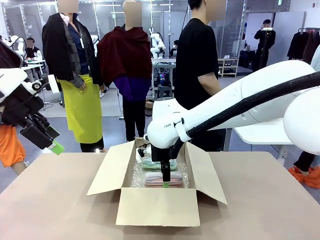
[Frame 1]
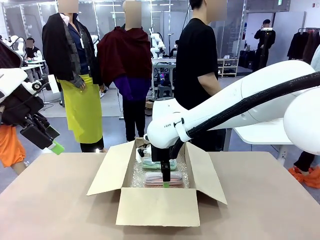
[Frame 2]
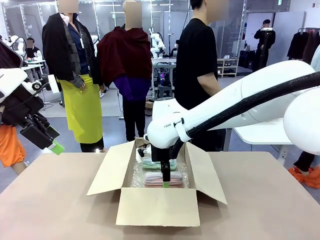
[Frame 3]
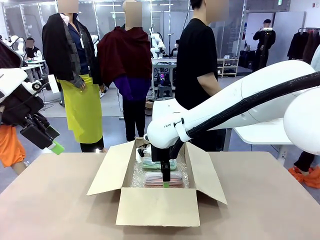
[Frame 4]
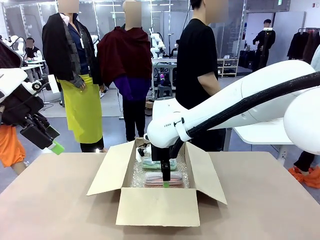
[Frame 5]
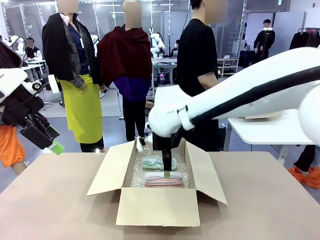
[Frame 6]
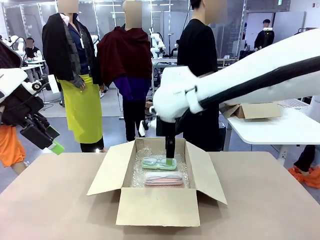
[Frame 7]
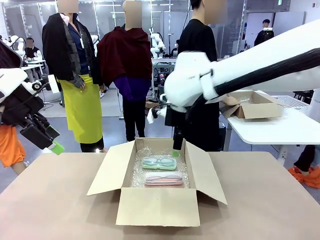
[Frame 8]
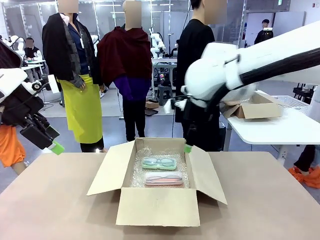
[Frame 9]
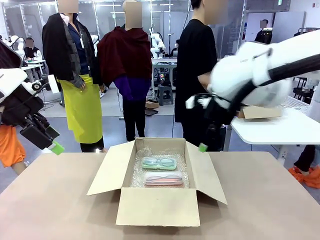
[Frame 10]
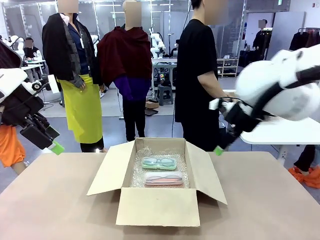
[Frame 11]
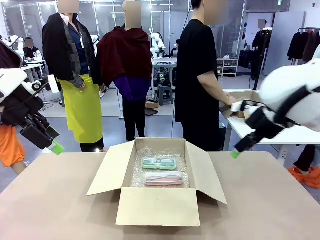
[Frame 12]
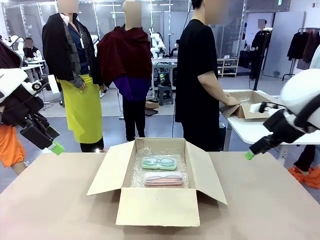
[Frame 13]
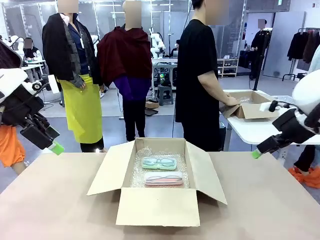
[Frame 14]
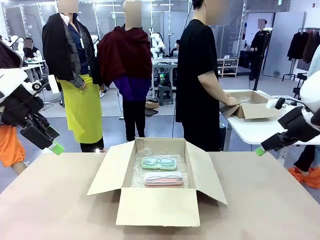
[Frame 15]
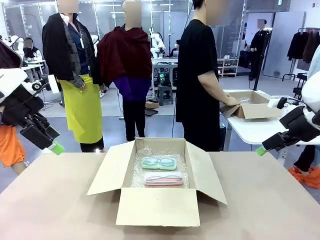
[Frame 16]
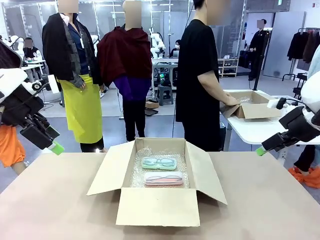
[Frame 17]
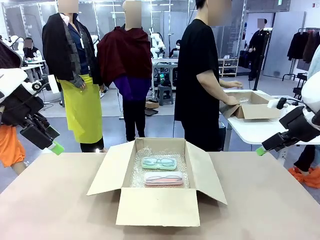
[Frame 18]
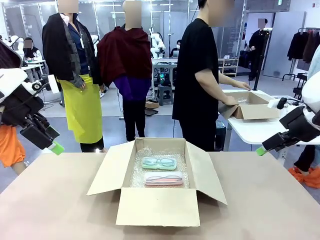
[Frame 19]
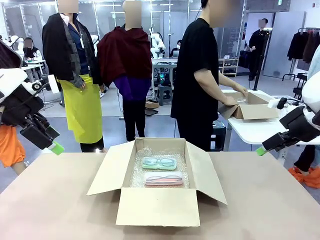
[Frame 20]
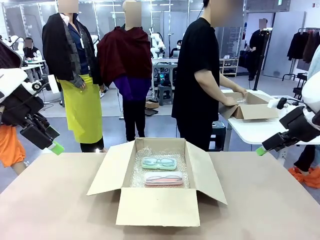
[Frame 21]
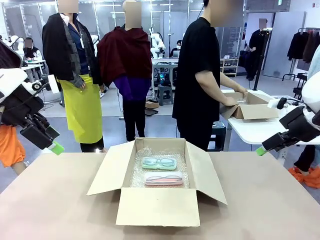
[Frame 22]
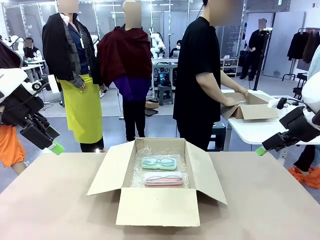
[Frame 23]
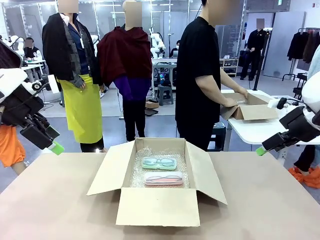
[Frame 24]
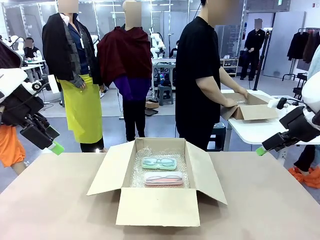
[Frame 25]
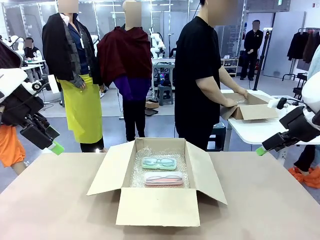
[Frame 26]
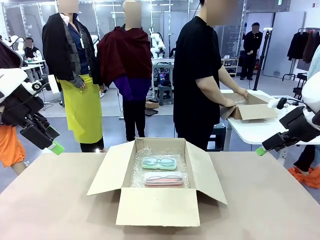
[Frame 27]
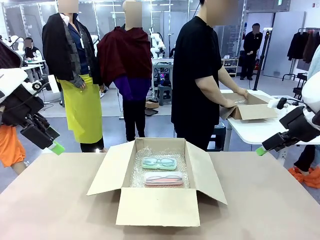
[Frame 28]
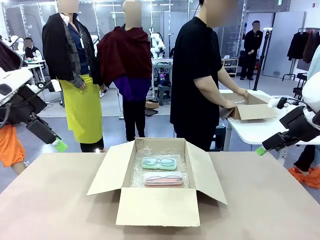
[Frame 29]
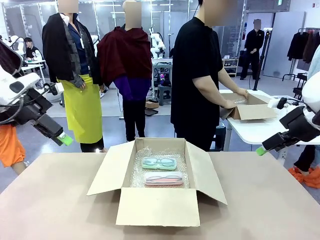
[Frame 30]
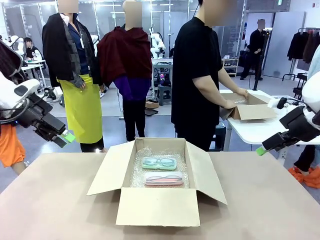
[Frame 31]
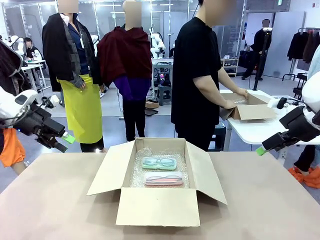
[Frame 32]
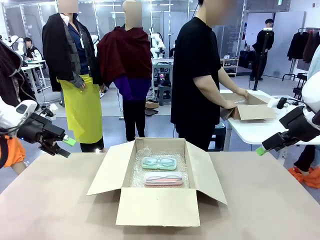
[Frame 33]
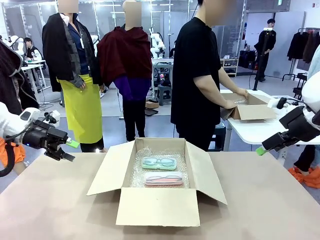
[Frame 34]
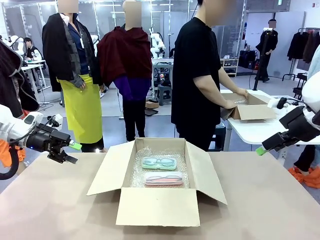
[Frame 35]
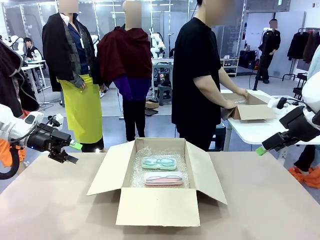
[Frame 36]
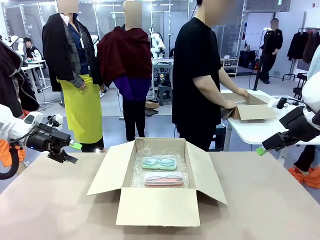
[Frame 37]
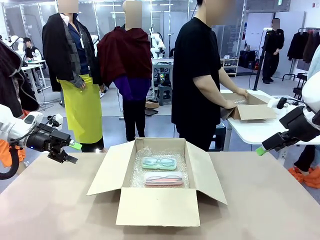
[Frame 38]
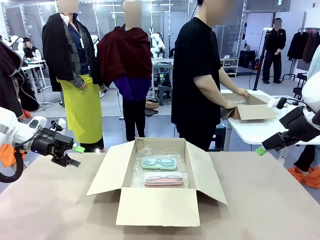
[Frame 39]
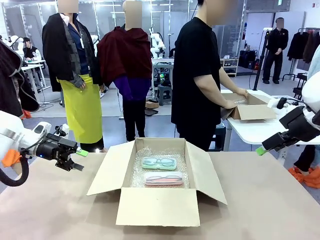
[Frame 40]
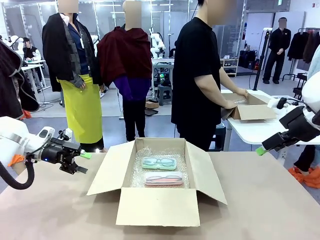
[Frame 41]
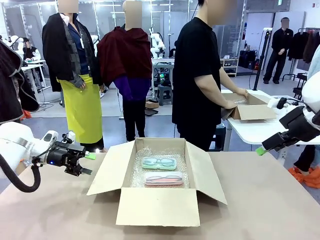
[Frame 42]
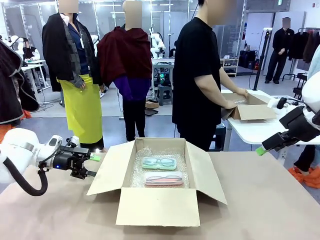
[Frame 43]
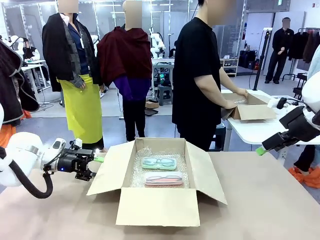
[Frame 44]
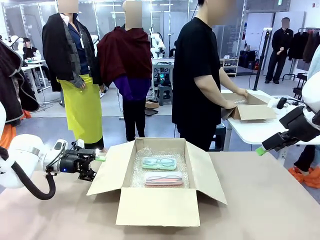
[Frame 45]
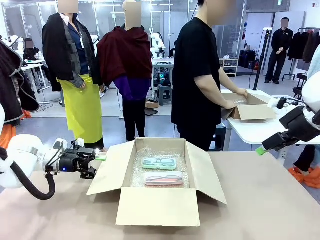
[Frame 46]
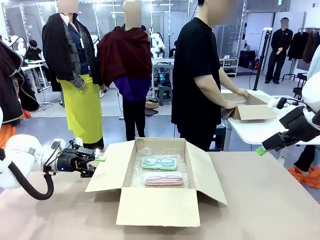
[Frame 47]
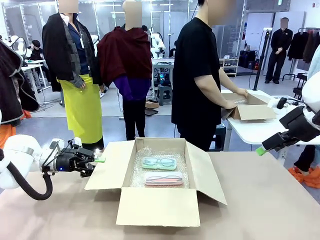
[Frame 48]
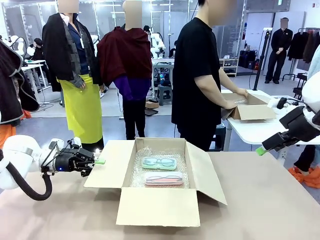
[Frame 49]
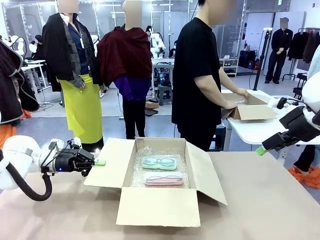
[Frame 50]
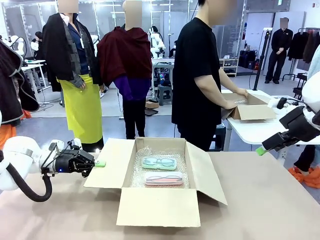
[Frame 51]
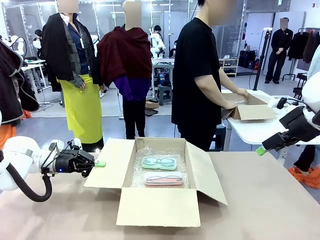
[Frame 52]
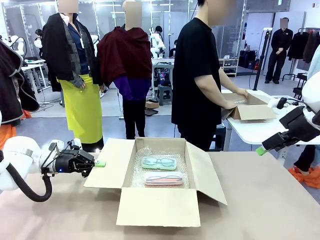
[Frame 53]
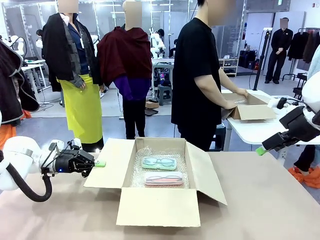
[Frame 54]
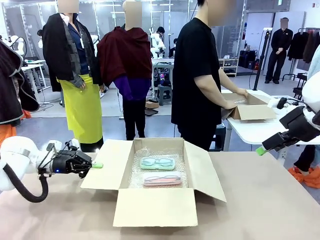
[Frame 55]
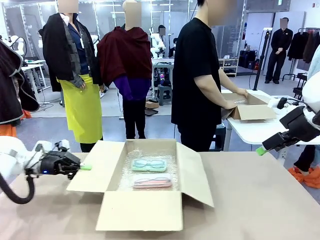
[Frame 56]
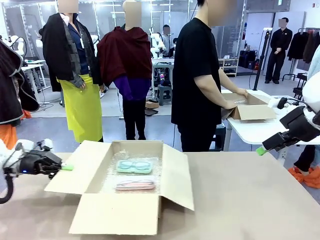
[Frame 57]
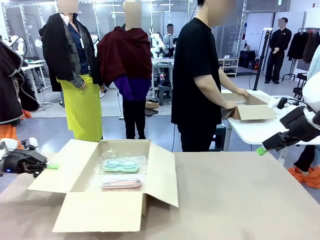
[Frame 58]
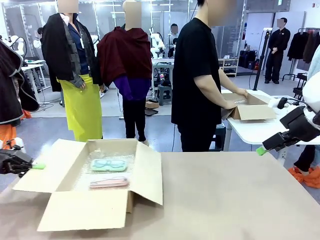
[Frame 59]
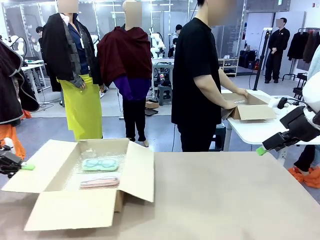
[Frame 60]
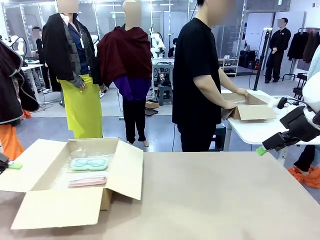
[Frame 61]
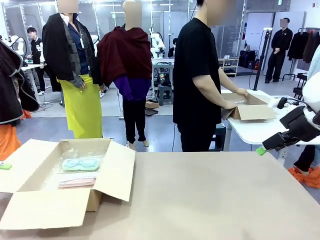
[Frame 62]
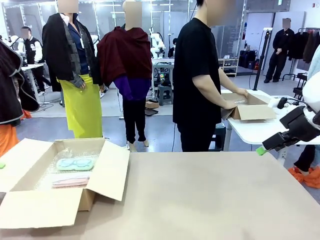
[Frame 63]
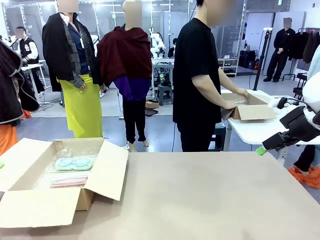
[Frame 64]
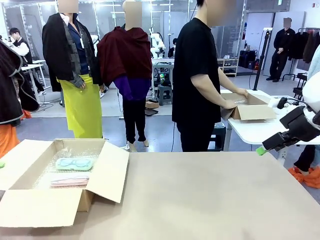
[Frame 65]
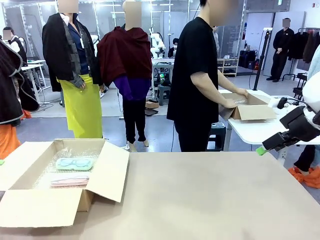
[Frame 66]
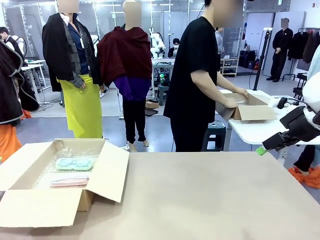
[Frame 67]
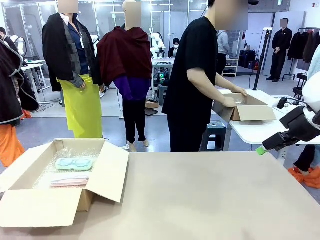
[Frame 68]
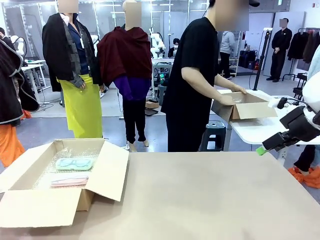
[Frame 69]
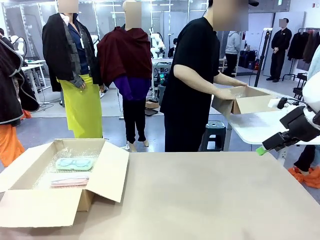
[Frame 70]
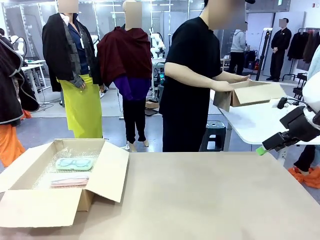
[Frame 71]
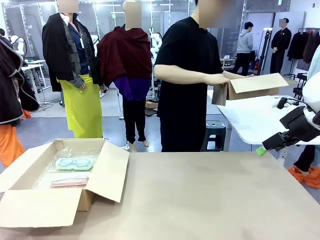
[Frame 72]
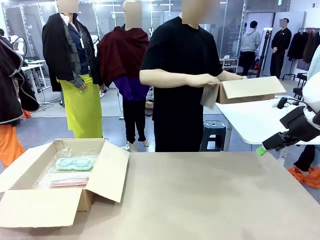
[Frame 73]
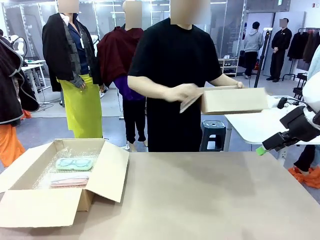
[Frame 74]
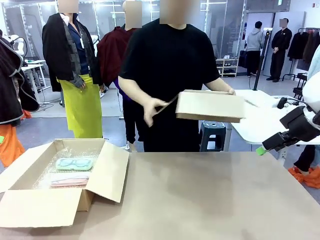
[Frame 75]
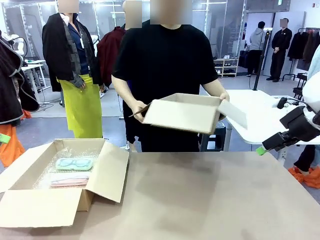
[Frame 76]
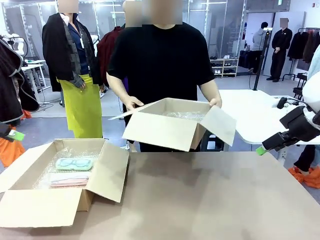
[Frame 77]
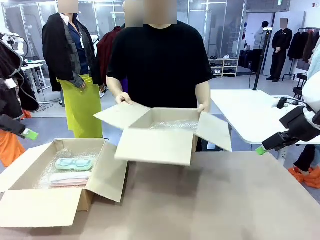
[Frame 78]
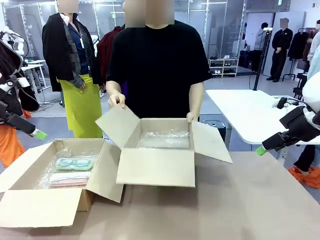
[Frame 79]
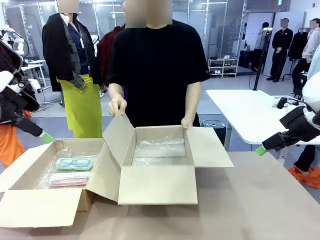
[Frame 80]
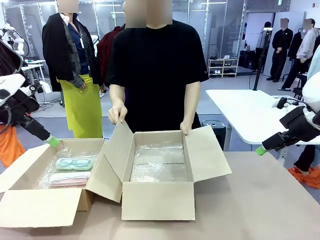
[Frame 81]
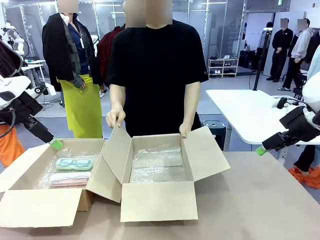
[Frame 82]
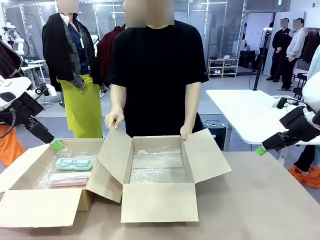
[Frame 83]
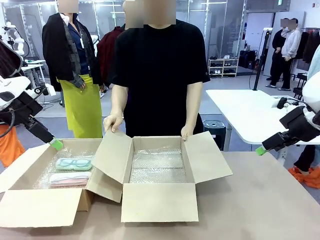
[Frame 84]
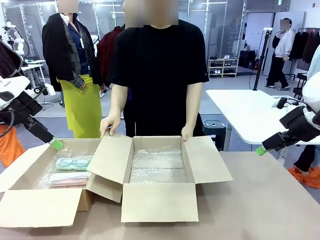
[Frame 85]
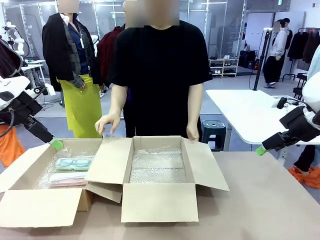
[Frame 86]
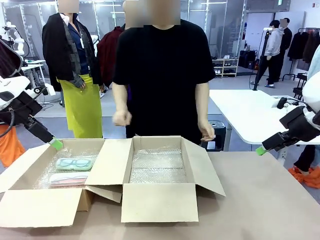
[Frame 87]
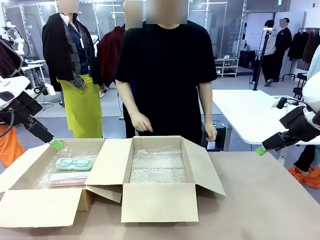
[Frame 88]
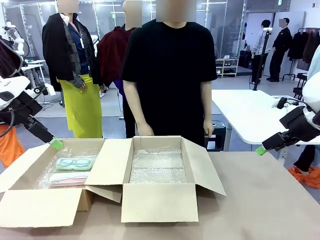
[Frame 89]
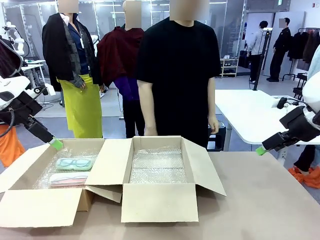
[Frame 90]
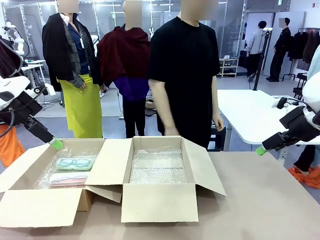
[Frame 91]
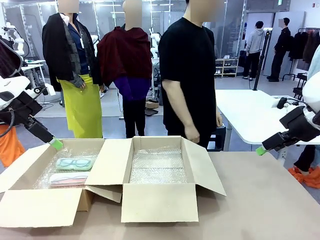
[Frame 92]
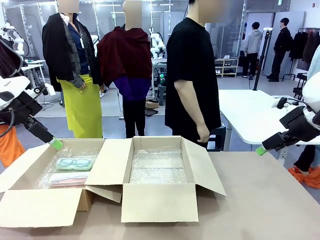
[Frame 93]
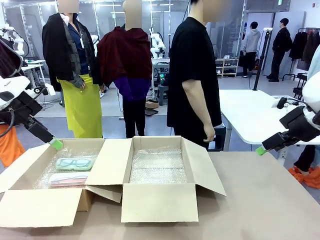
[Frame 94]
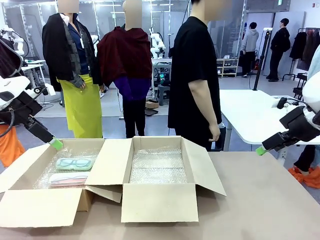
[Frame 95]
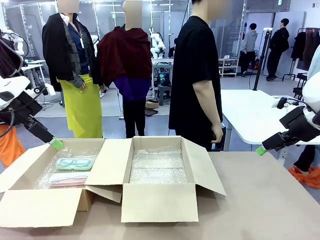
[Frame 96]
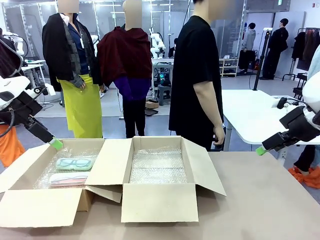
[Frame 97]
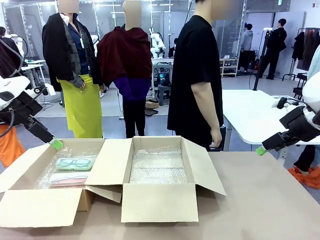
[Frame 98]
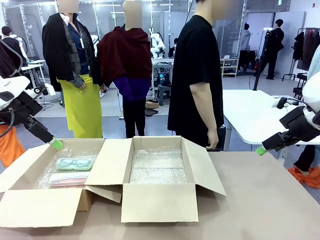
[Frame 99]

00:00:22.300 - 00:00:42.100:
Task: Pack the glasses set securely to prepare it for shipping.
Robot: Position the Package Box on the left side of the table.
Person: Position the empty Package Box in the middle of the robot's table.
